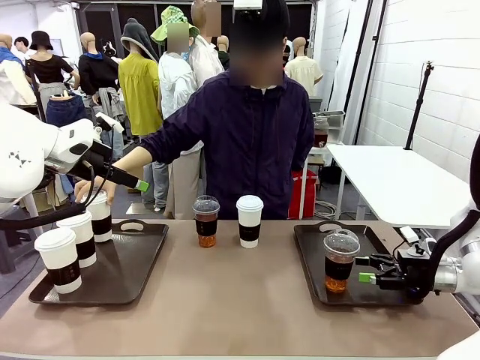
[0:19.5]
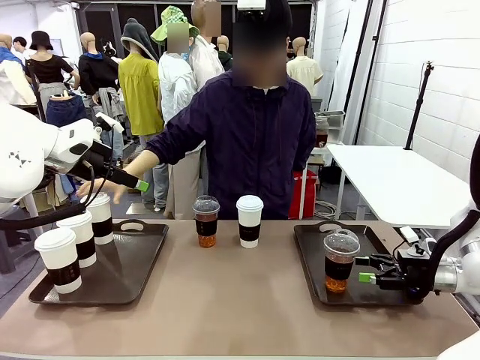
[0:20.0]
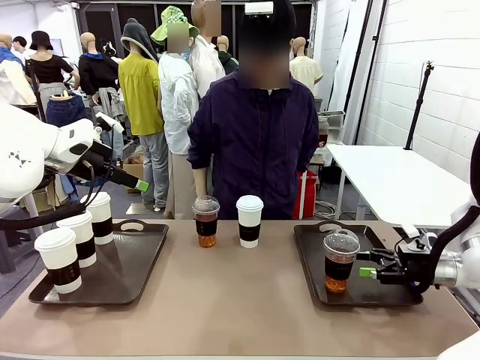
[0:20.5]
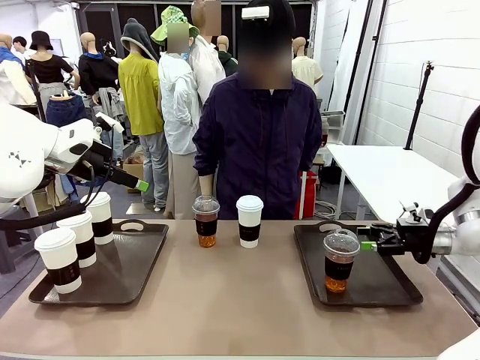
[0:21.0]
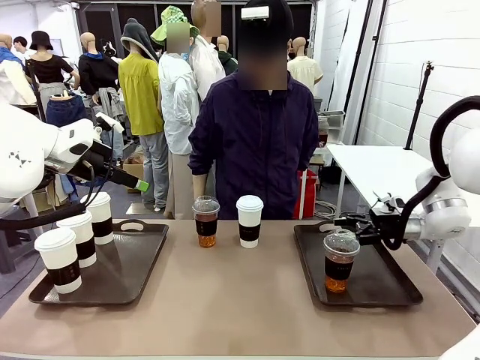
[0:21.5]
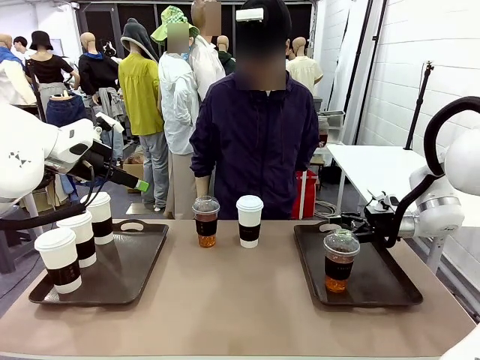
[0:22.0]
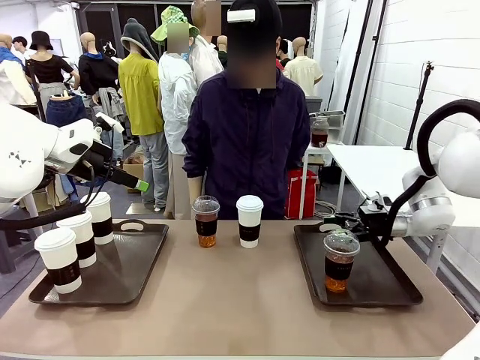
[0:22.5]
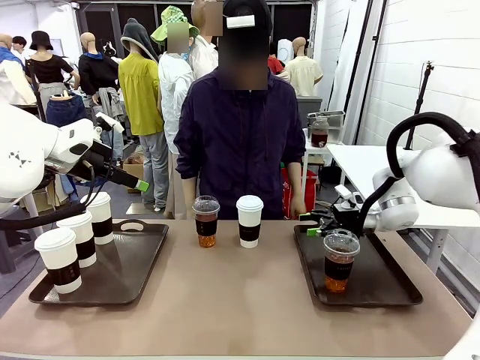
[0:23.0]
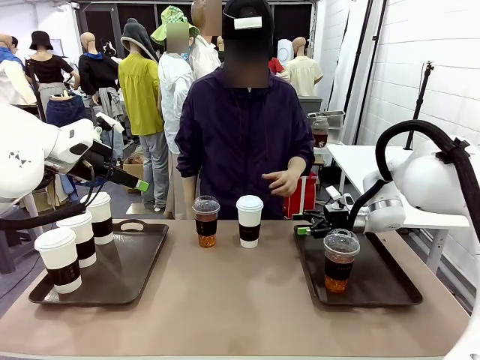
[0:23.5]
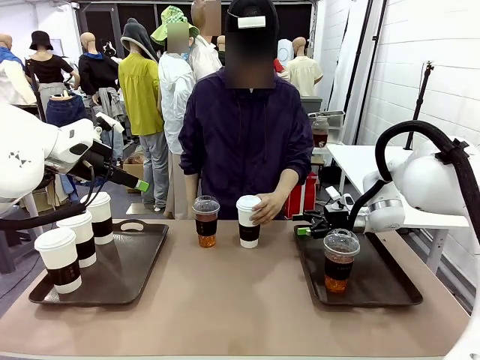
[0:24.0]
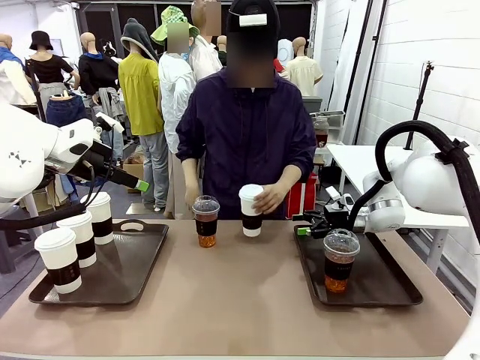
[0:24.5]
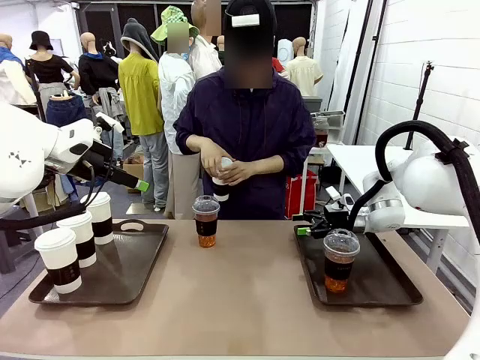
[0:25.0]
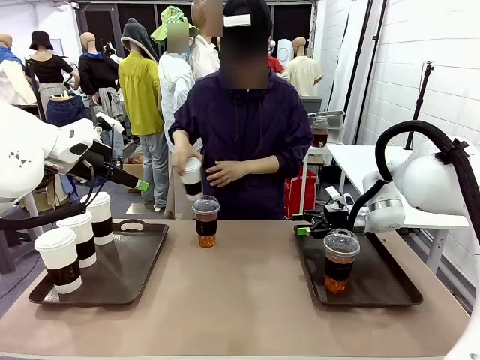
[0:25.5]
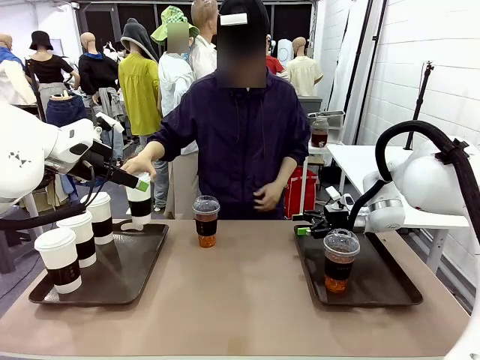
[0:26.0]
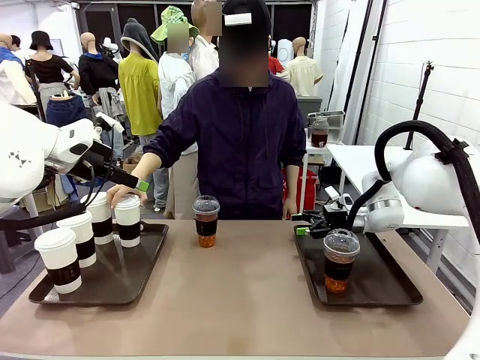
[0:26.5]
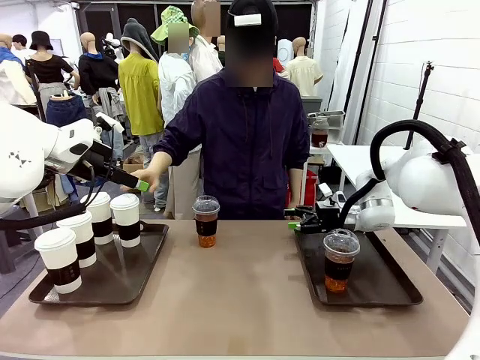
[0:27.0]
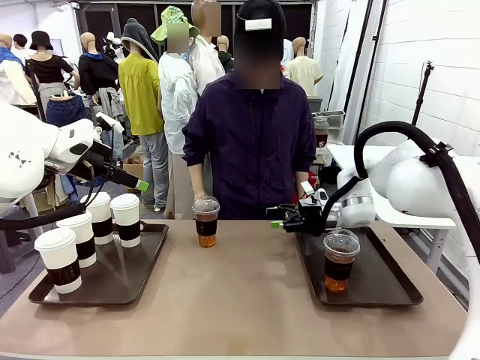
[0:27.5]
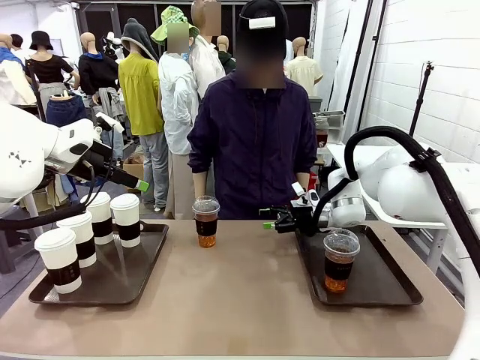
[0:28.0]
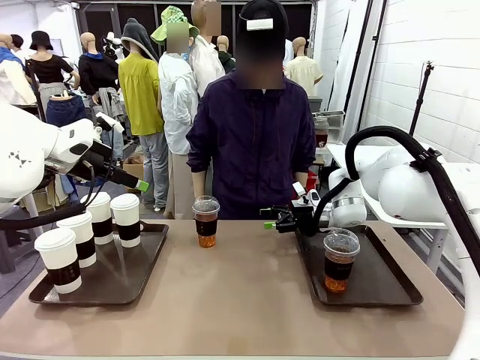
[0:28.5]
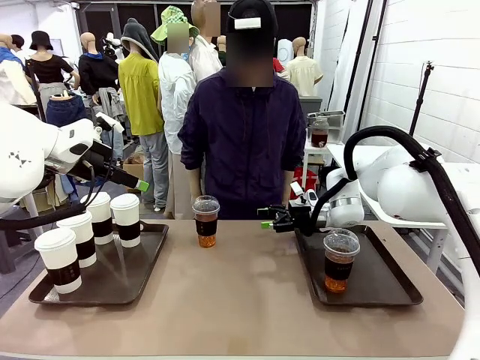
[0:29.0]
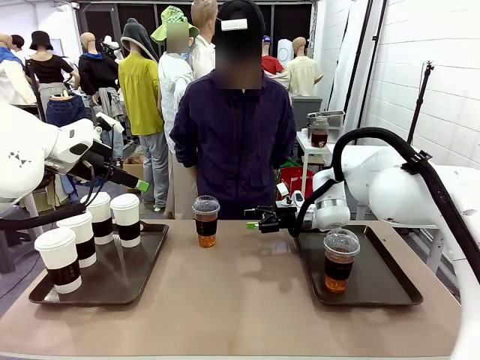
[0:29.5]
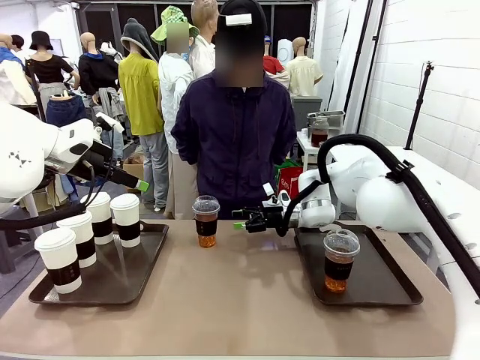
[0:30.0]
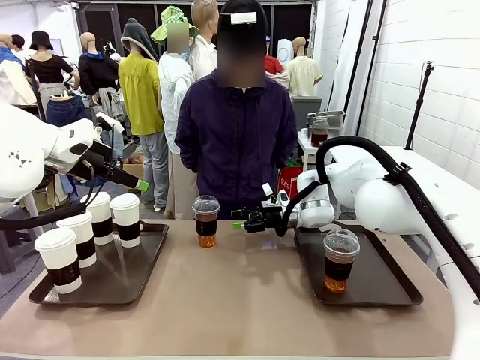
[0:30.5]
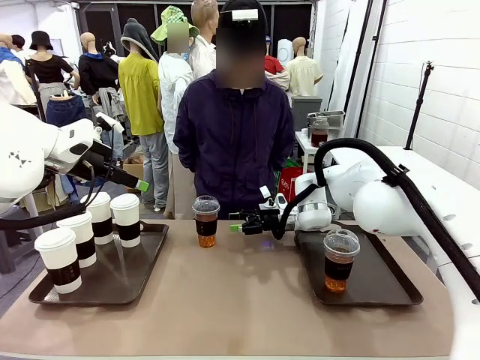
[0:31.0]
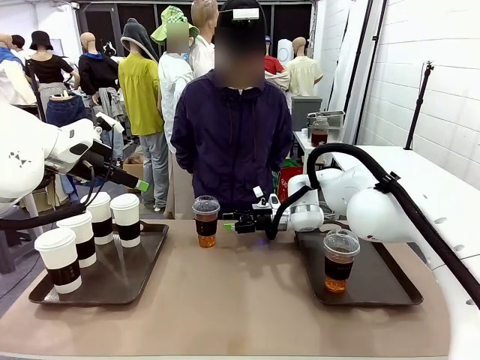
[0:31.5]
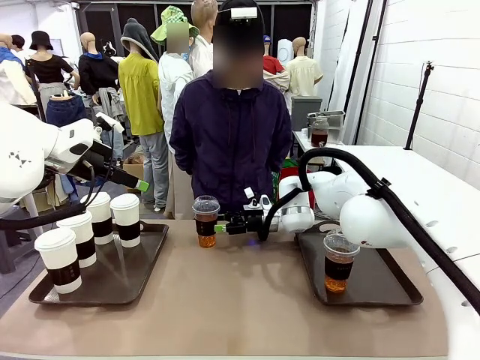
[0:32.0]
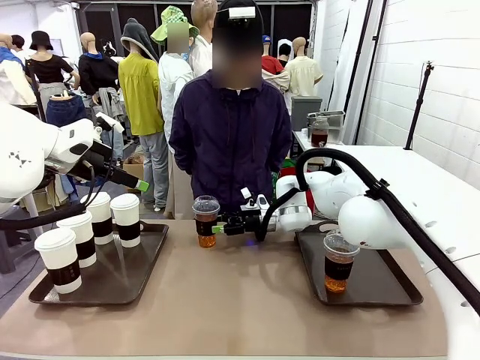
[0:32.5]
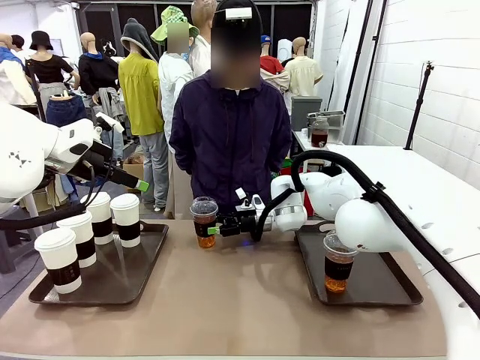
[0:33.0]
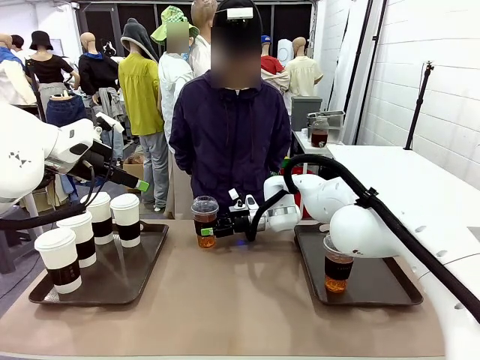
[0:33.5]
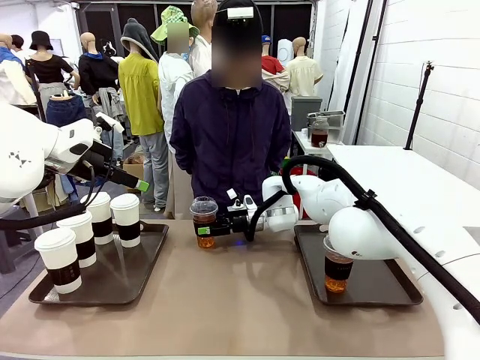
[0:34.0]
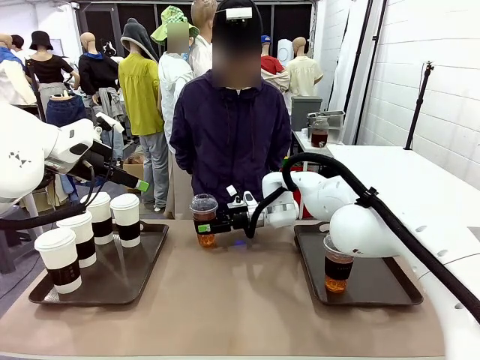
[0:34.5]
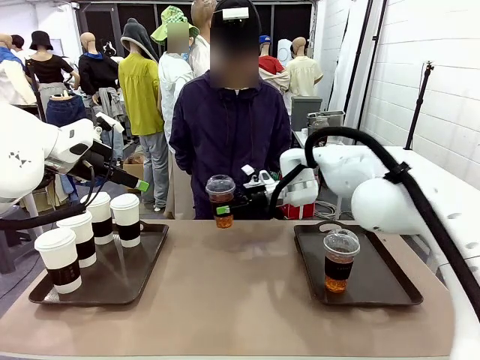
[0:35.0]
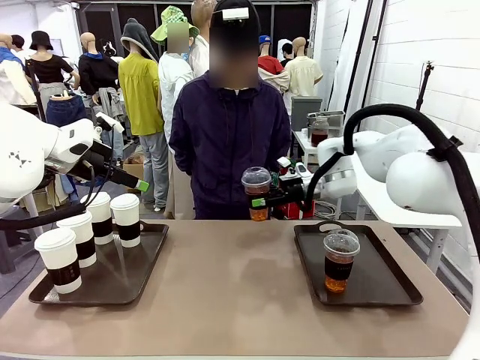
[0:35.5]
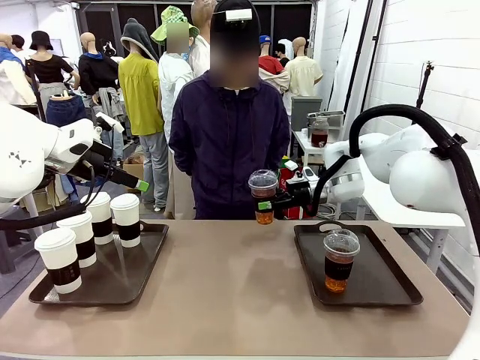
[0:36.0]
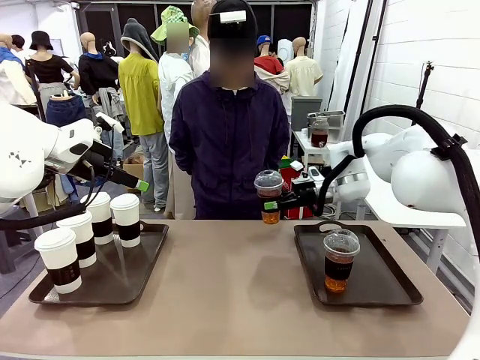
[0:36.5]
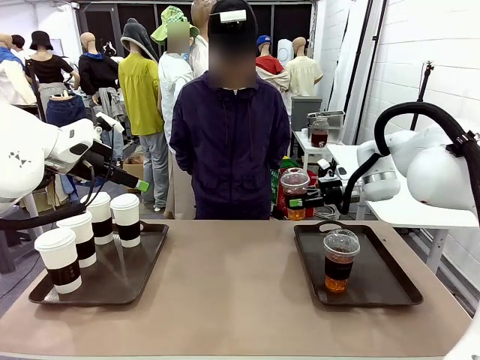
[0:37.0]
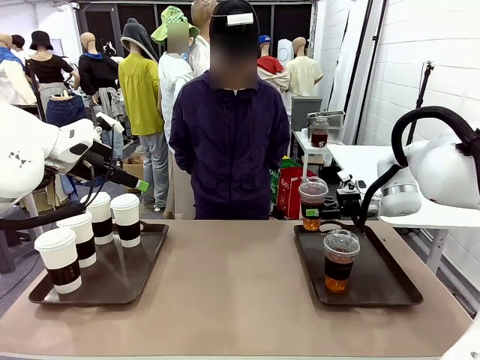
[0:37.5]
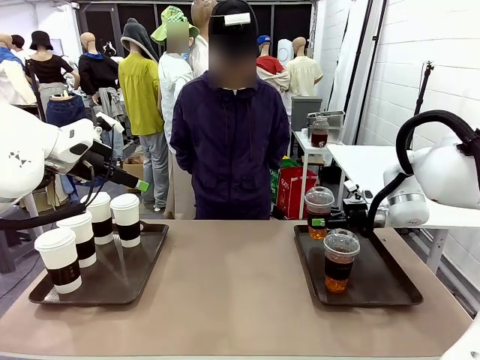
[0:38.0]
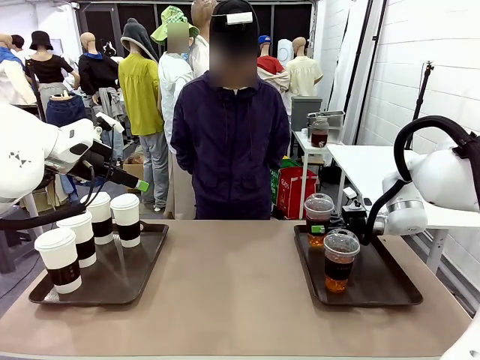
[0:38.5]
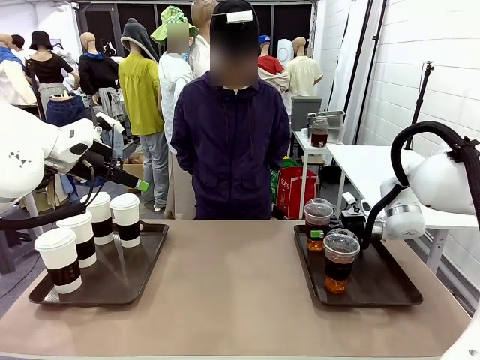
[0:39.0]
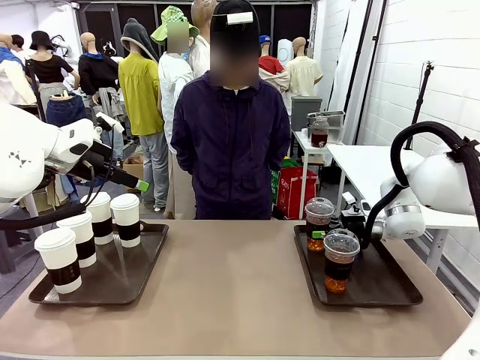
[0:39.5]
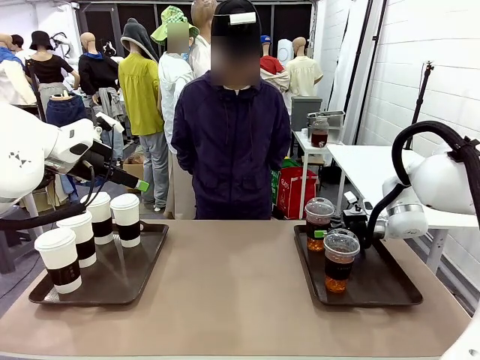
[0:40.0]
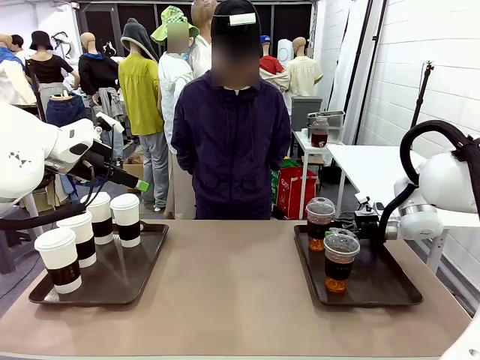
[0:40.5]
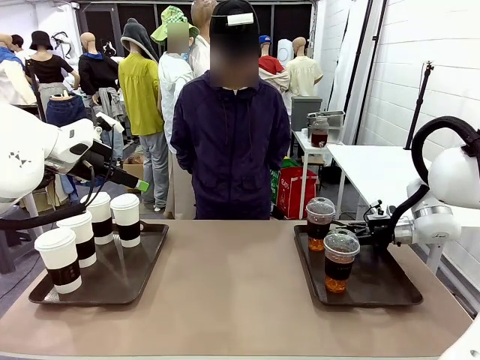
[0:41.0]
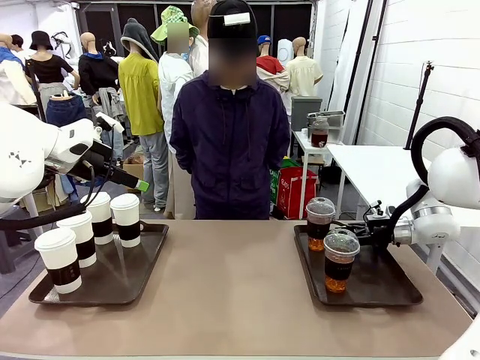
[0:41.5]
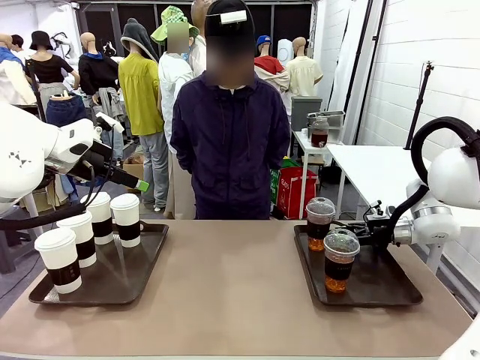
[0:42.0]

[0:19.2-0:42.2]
Task: Distribute the coffee onto the tray.
Robot: Pick up another iced Americano from the middle of the table and place it on the right Handle tray.
Person: Pick up a cup of hot Americano from the middle of the table and place it on the right tray.
